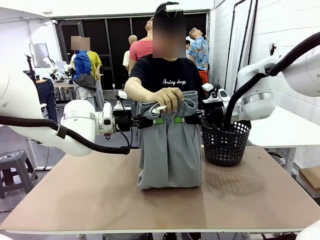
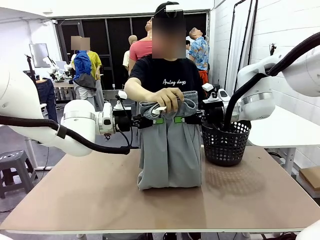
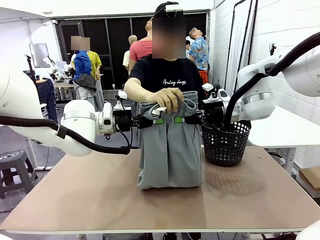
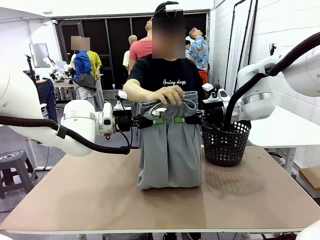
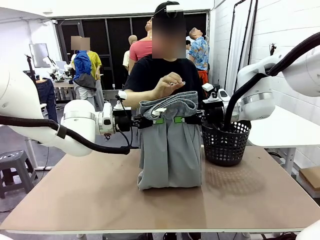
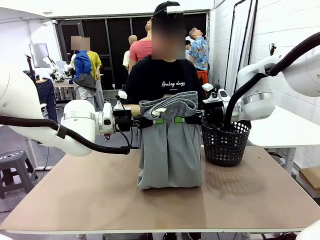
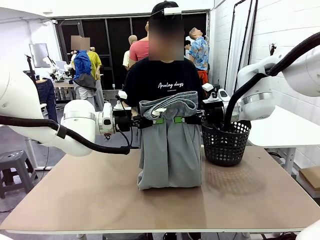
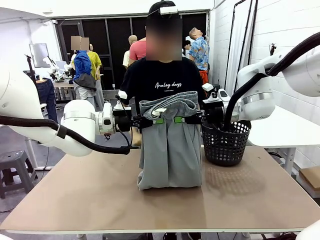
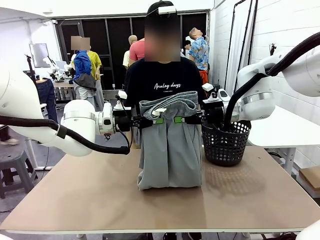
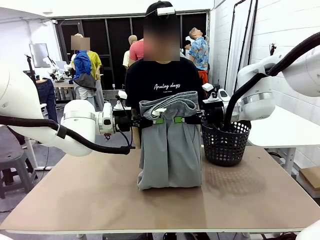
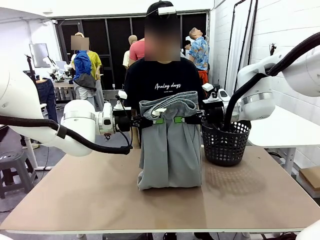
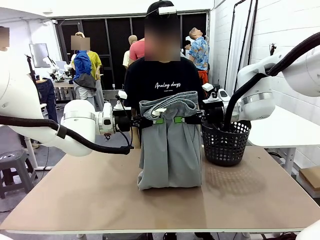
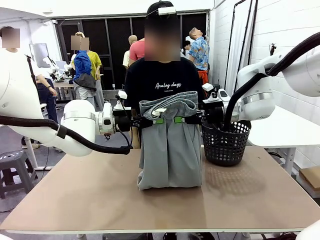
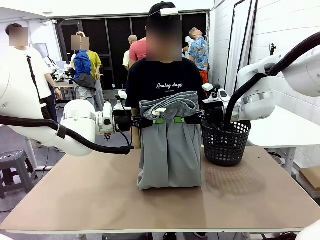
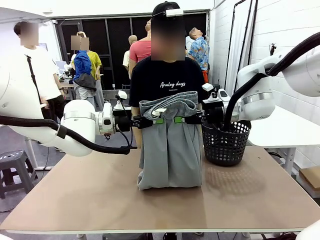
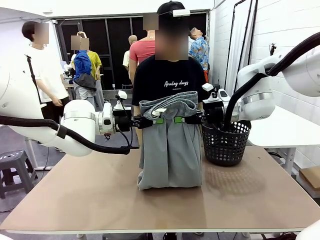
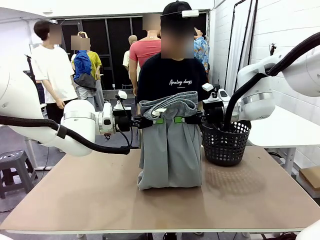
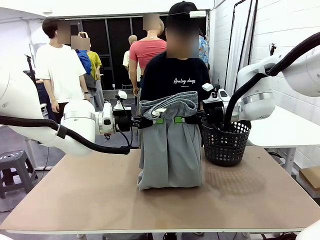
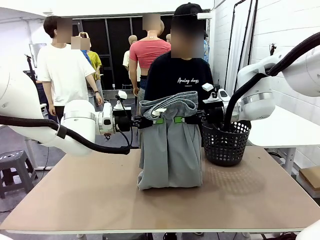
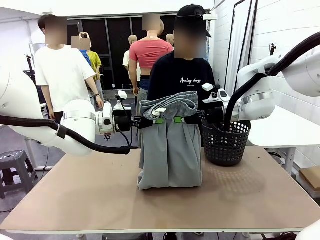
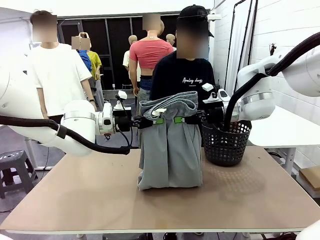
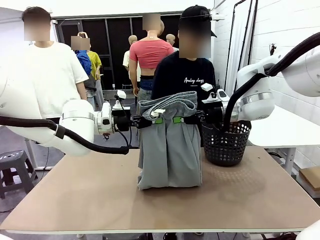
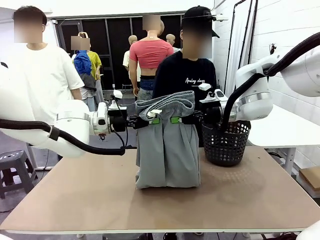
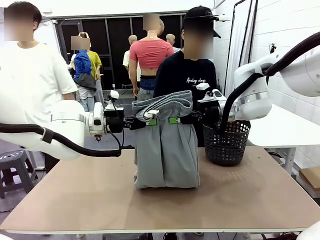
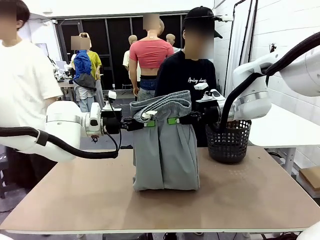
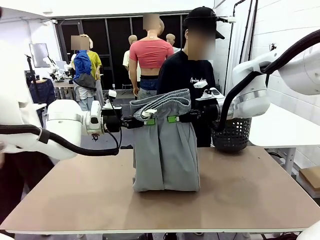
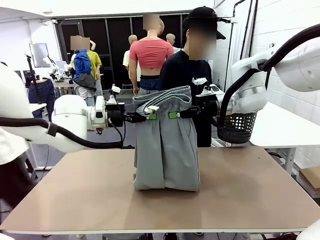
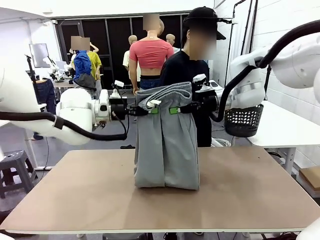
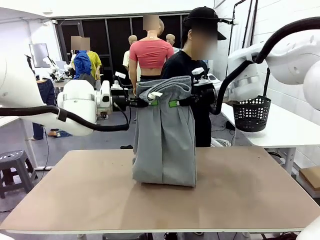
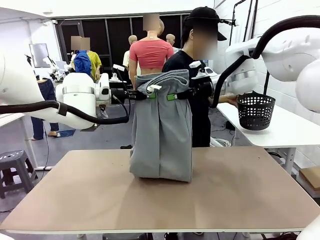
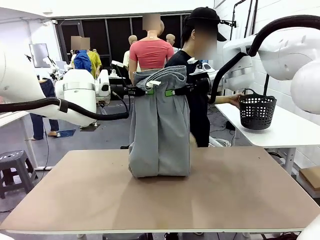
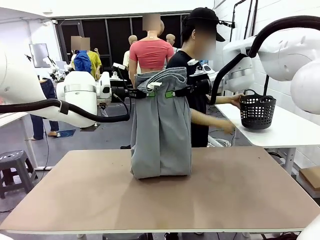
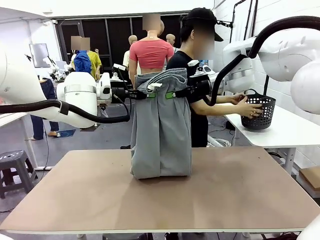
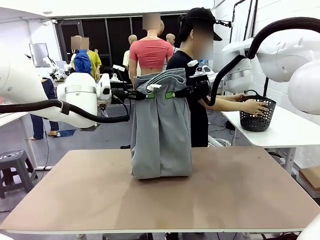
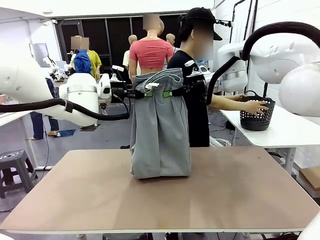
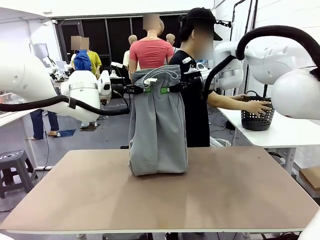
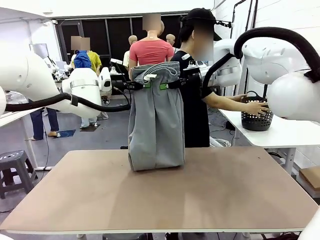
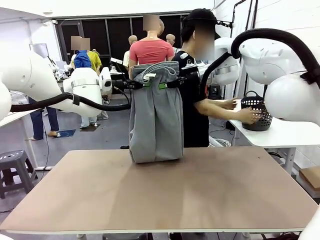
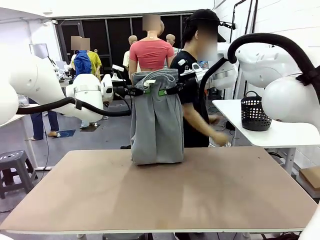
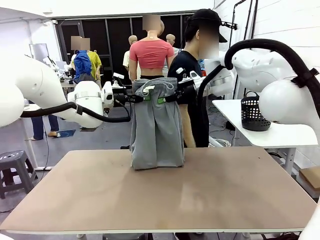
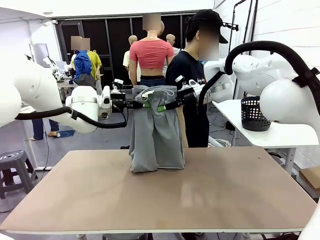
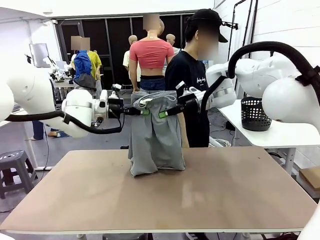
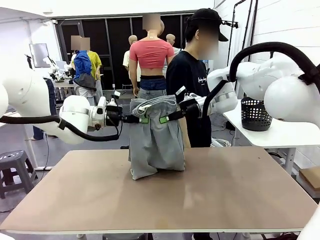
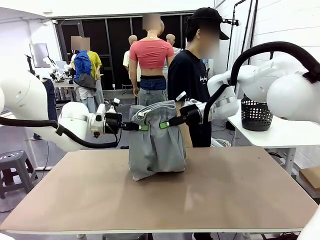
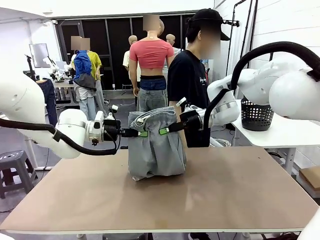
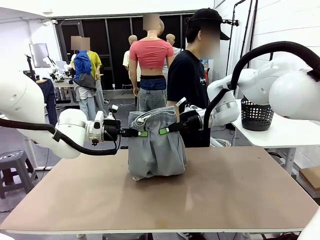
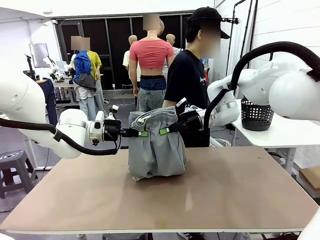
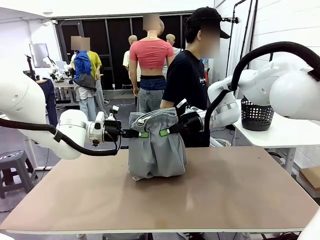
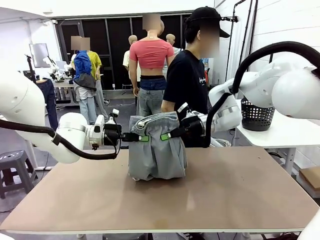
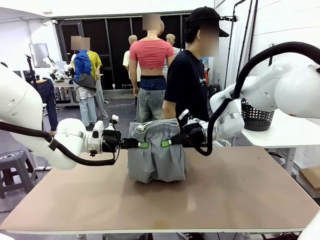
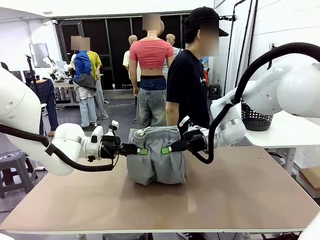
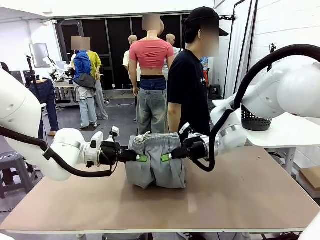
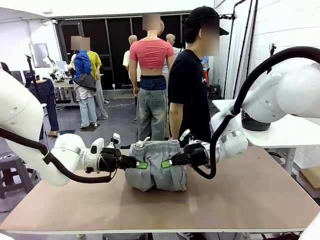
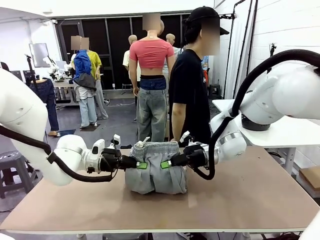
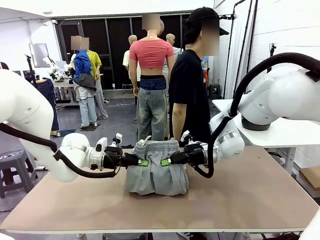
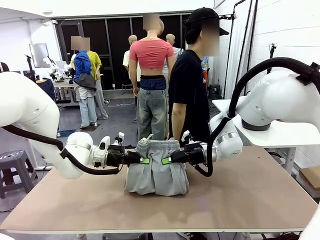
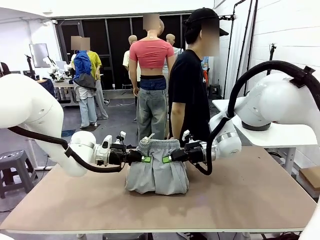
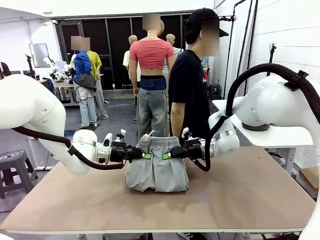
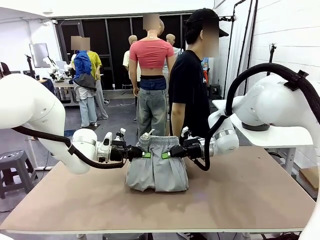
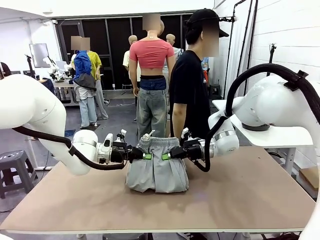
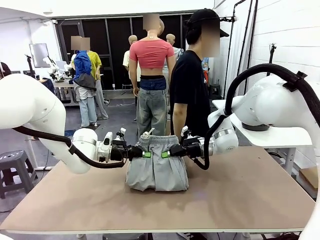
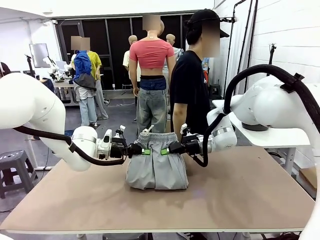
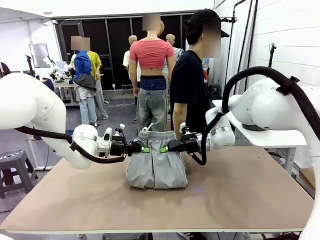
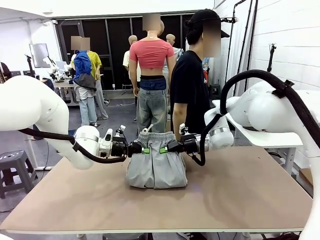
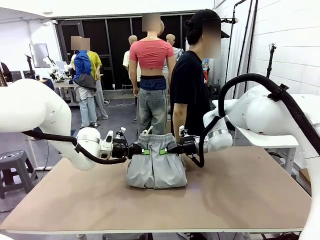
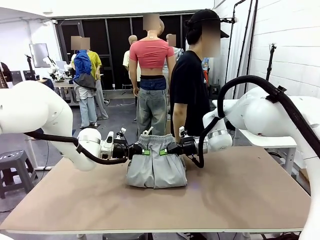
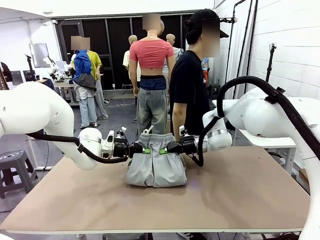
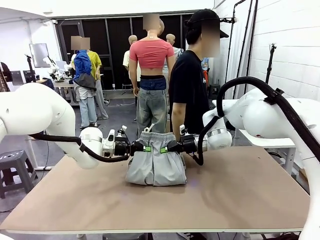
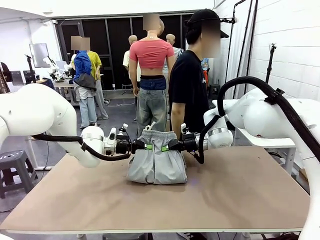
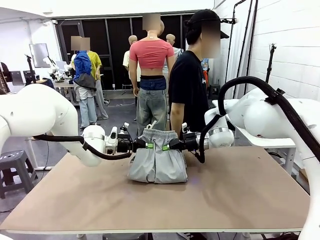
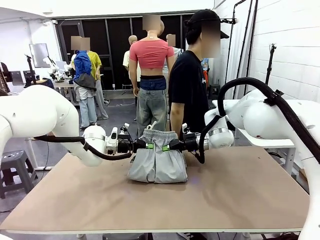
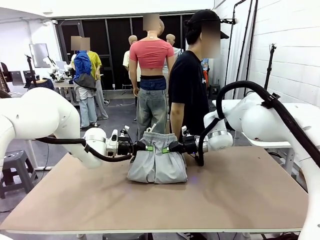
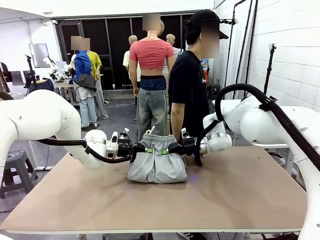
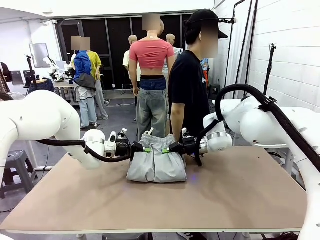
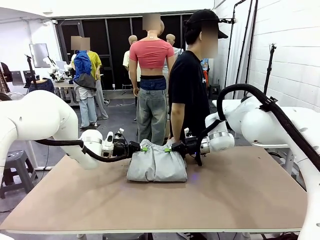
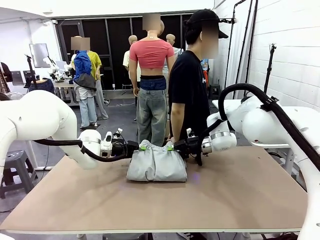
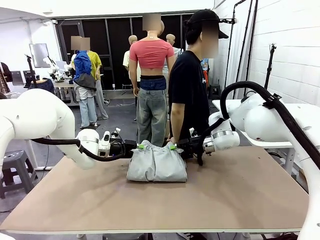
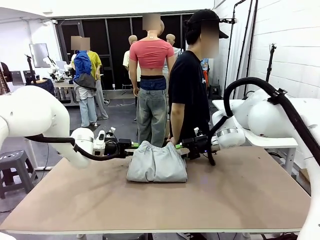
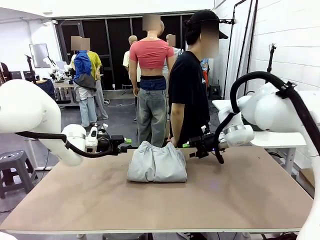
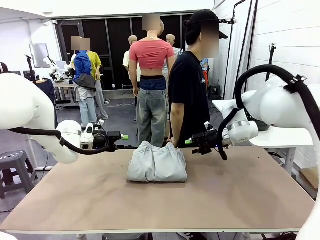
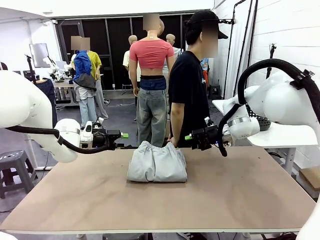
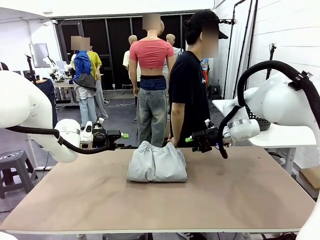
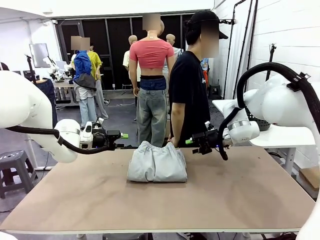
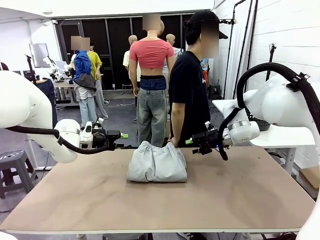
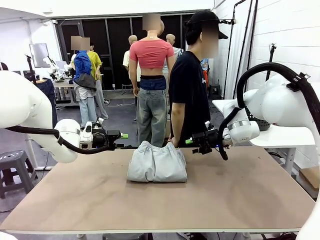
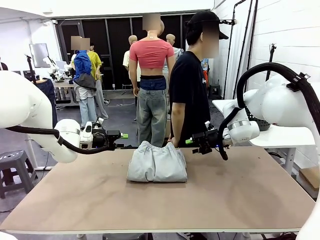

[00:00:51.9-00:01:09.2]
Task: Fold the training pants.
Robot: Fold the Training pants in half.
Person: Move the laundry basket to the right of the human table.
